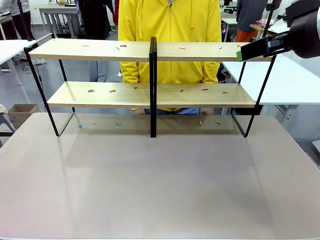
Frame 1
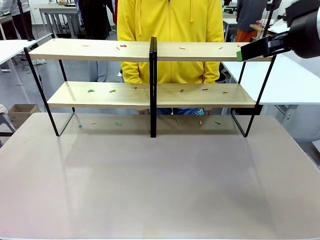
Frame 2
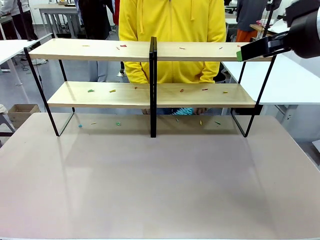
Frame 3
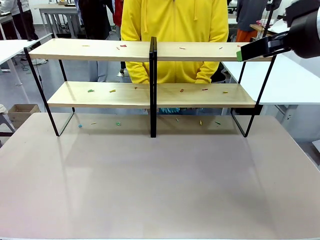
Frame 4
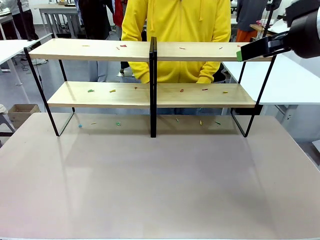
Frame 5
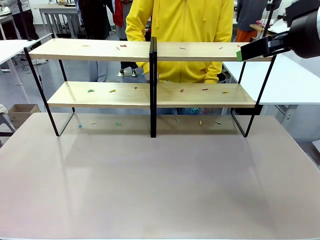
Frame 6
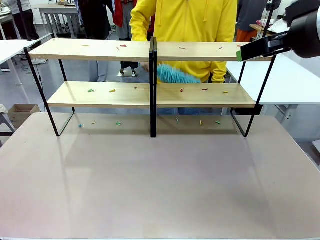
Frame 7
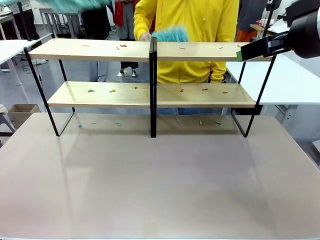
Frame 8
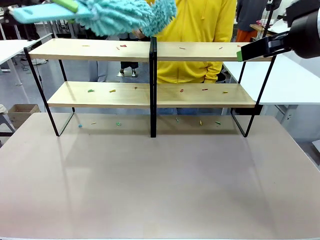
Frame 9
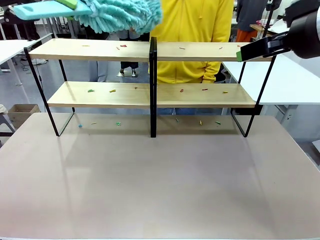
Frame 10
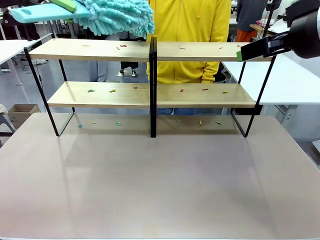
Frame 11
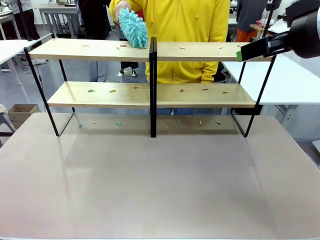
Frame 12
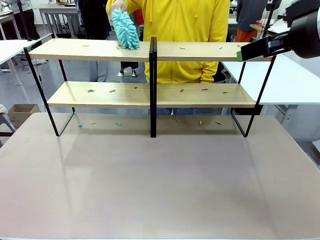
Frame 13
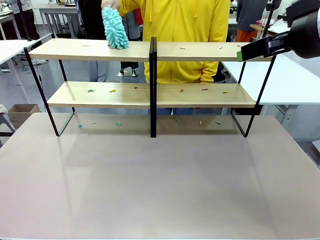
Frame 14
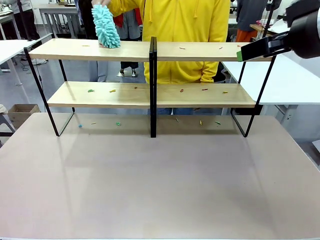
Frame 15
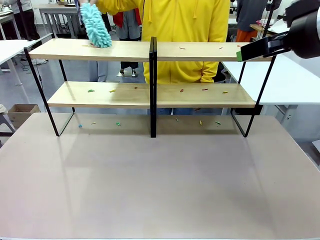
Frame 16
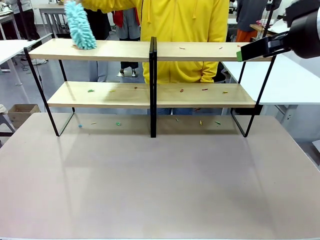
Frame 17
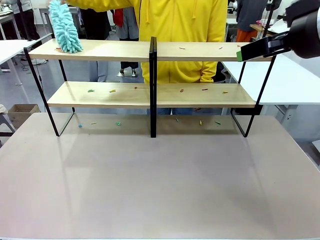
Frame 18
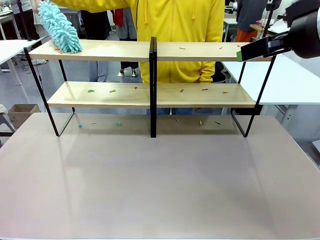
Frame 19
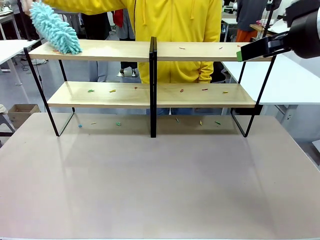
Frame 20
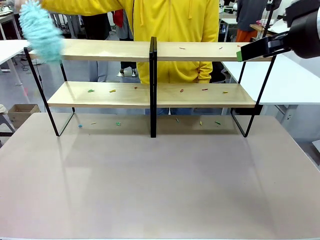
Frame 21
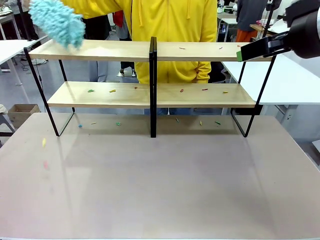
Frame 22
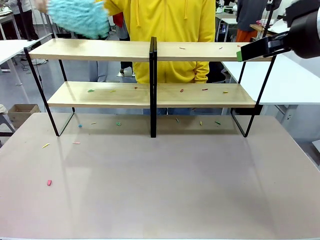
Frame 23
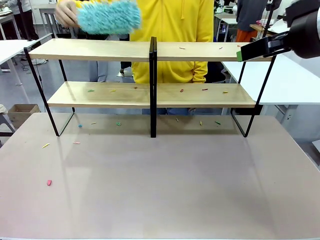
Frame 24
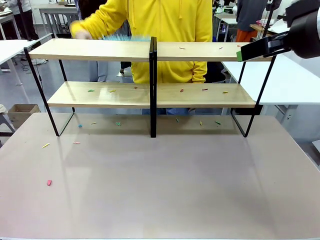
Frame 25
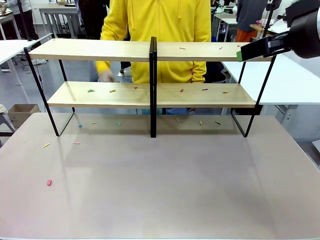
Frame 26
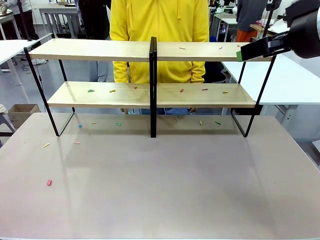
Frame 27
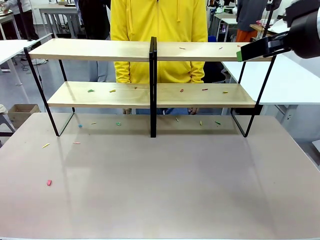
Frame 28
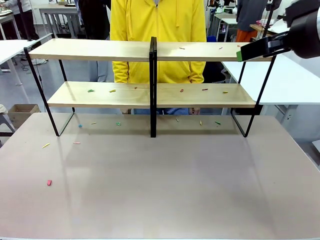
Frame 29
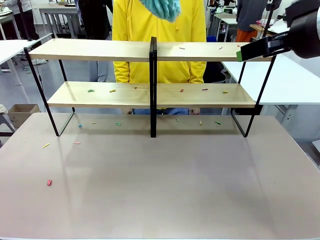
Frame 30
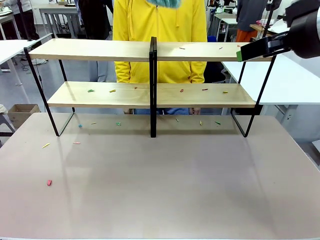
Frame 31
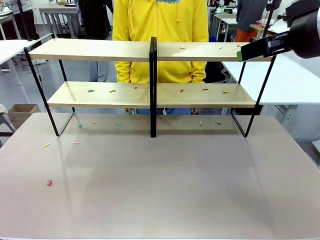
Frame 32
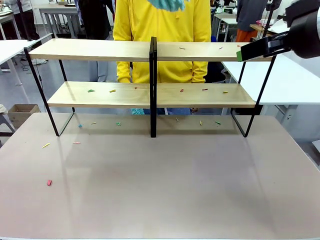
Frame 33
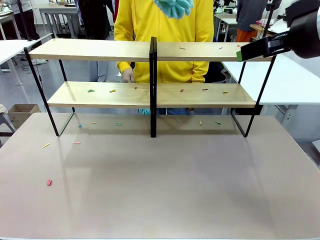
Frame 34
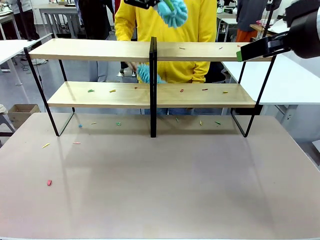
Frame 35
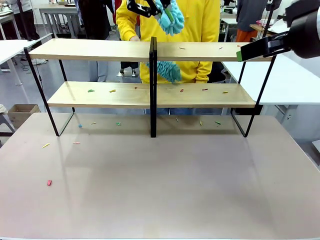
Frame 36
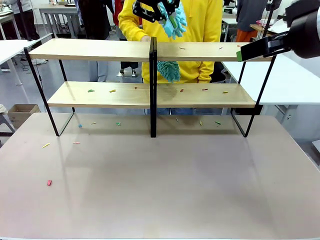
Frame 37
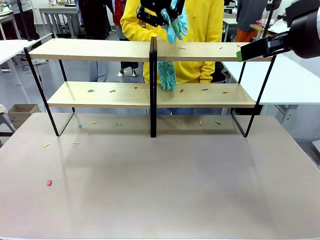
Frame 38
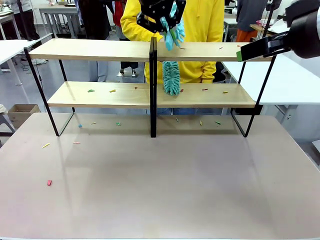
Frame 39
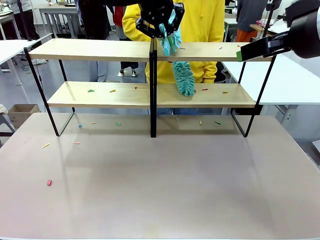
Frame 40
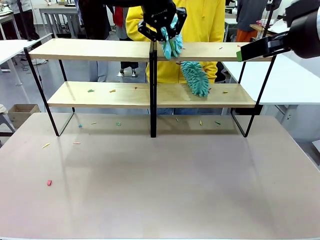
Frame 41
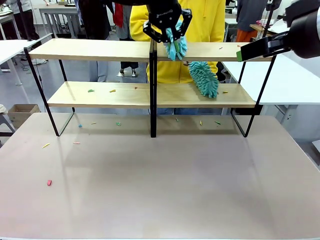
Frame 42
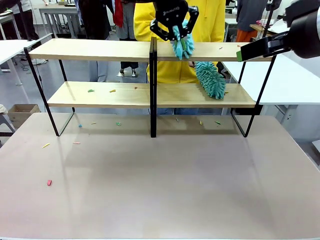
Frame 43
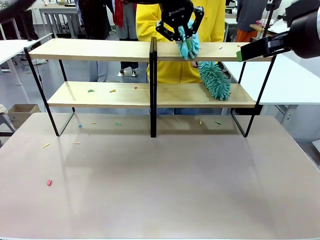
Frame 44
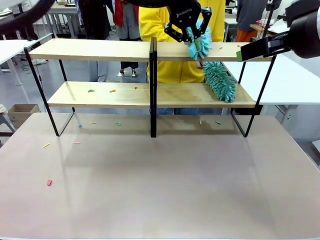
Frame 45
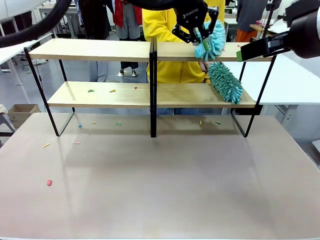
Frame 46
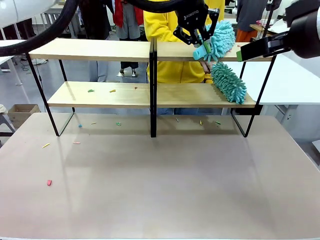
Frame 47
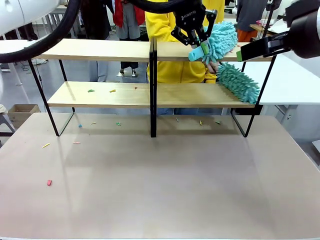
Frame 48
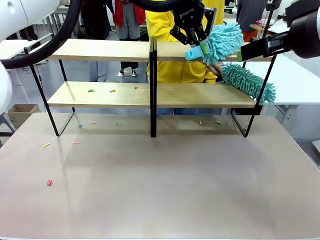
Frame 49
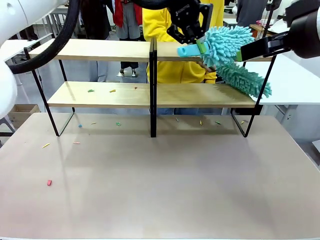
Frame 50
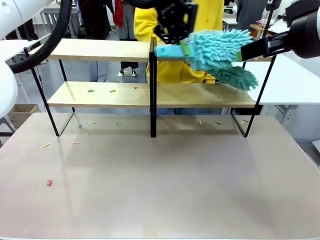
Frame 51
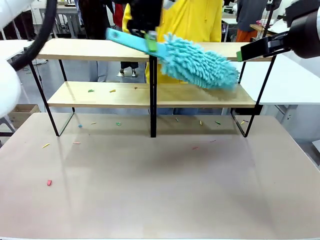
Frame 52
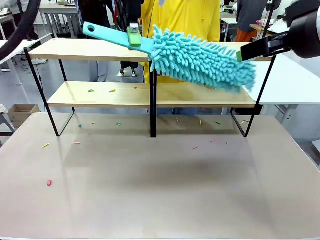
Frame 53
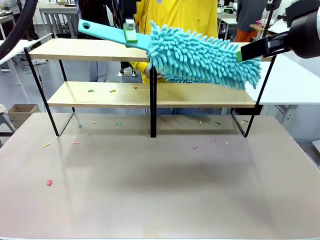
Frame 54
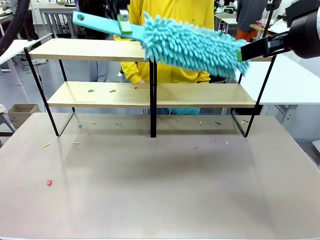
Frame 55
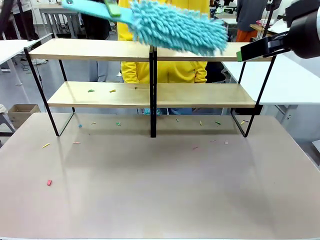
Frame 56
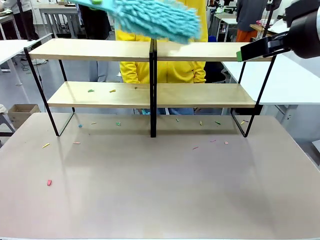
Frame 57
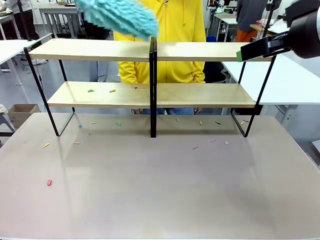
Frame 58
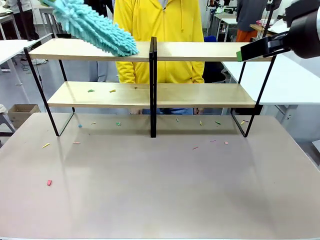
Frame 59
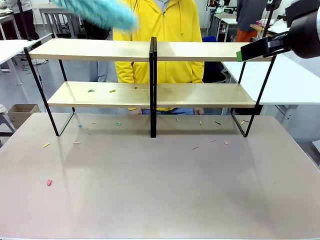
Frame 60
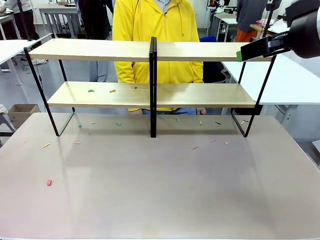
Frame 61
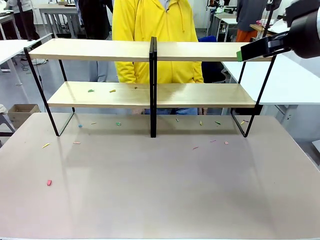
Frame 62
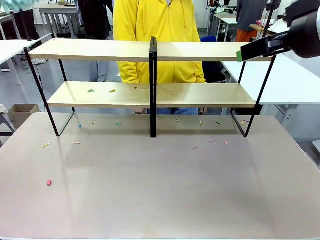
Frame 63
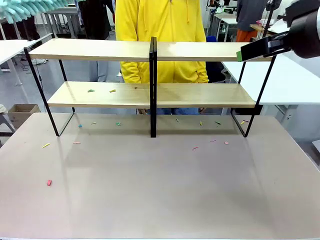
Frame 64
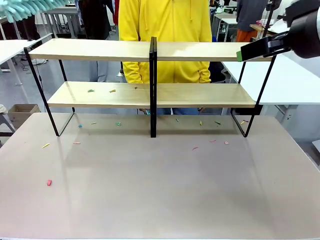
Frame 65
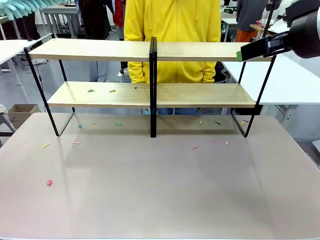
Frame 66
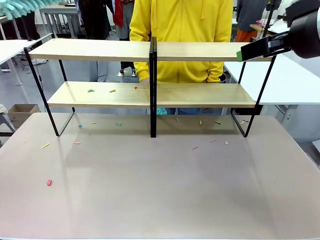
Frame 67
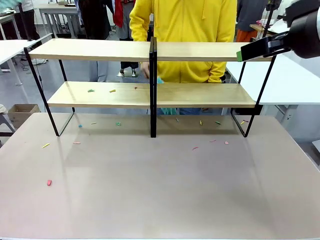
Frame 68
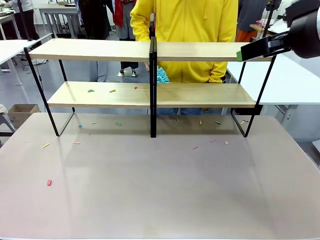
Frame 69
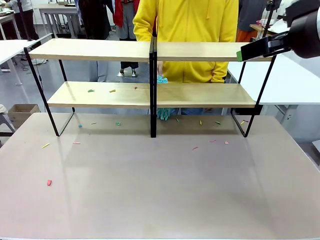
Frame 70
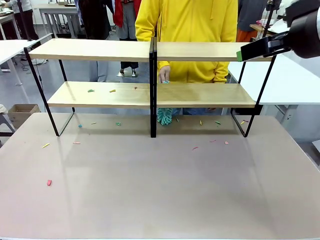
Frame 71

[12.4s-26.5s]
Task: Clean the shelves.
Robot: Clean a randomly selected level of the Shelf with the Duster.
Person: Clean a randomly selected level of the Shelf with the Duster.

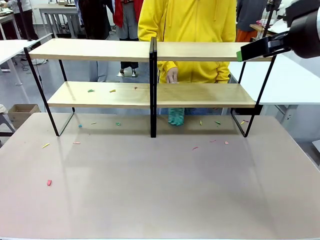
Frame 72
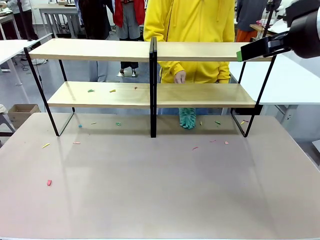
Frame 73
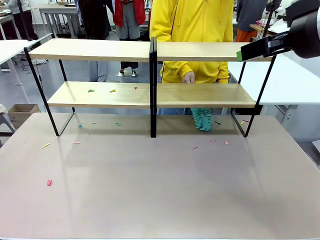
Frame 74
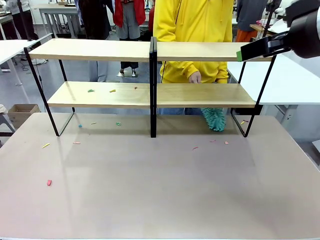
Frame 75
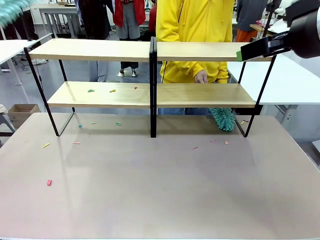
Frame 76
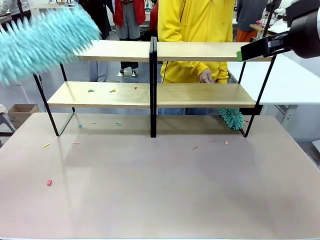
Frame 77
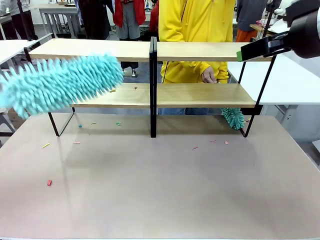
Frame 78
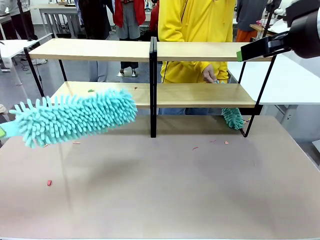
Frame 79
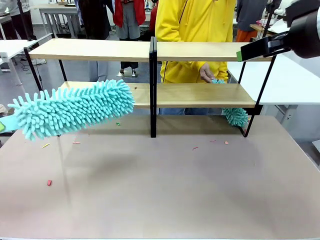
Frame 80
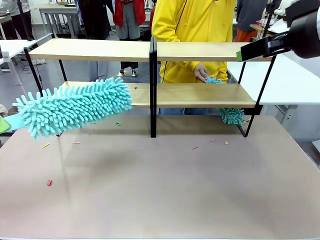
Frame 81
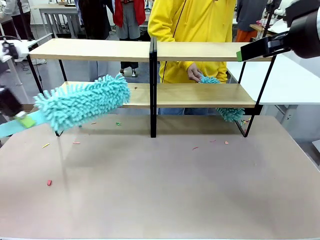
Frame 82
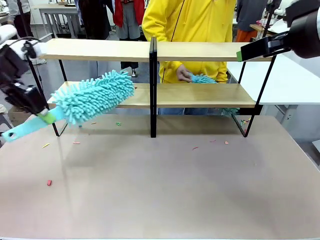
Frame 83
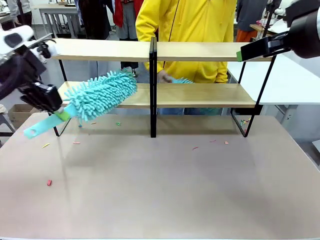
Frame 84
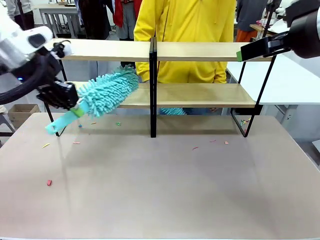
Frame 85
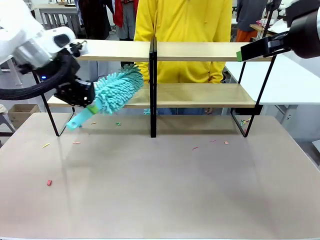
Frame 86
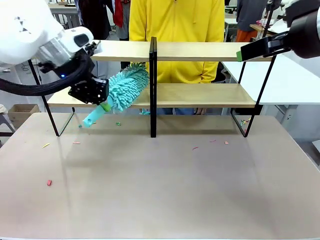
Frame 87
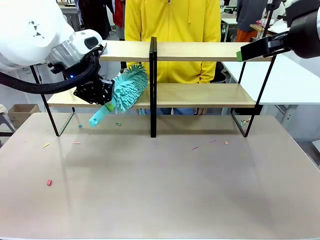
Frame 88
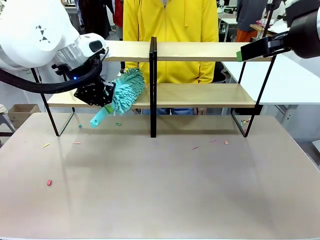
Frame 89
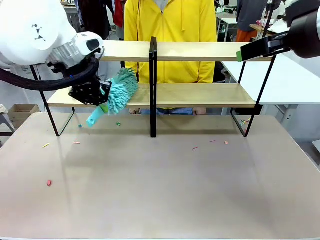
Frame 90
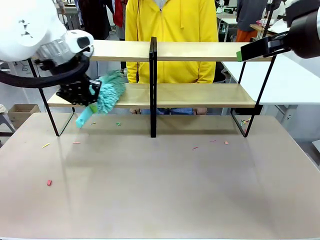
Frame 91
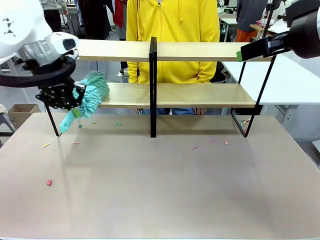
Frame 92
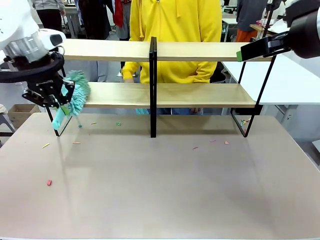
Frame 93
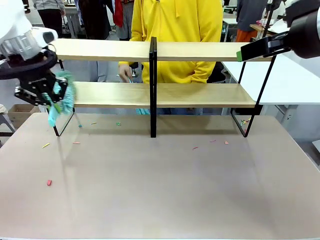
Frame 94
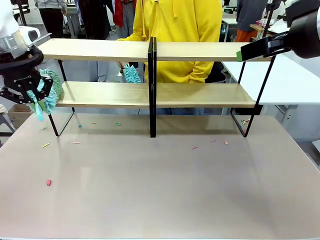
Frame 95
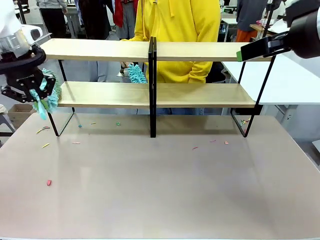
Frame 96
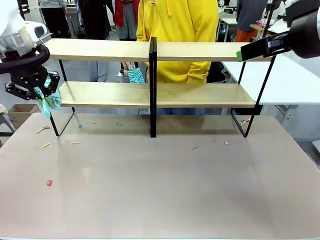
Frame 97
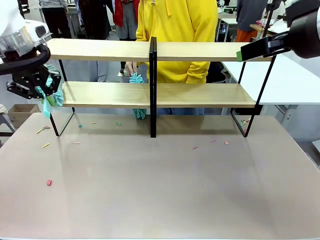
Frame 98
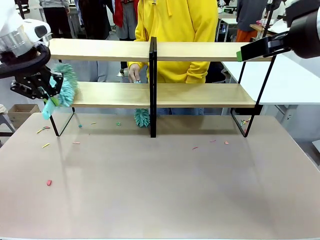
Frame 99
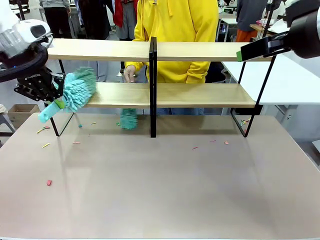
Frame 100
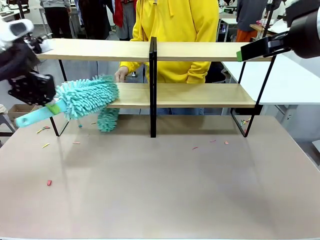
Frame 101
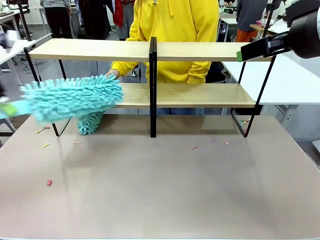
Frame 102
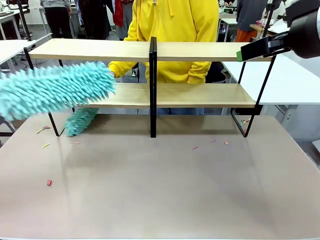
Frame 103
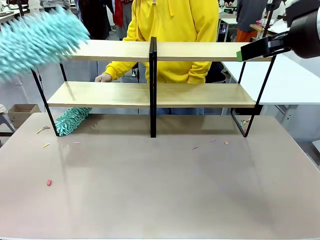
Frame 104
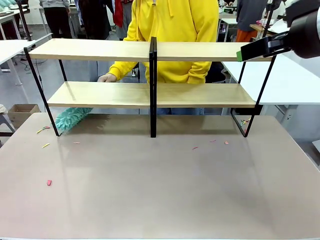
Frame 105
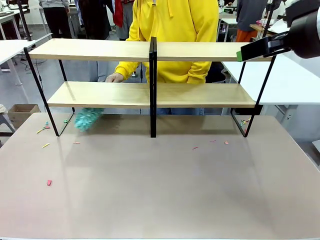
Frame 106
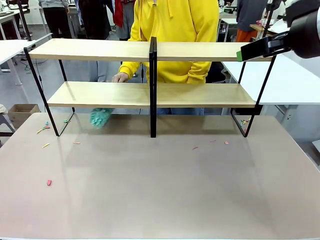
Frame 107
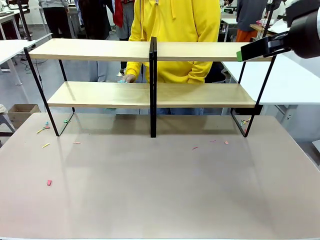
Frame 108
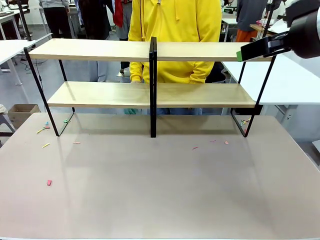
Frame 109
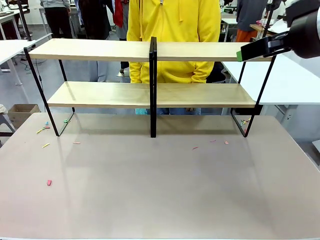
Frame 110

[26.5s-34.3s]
Robot: Clean another randomly selected level of the Shelf with the Duster.
